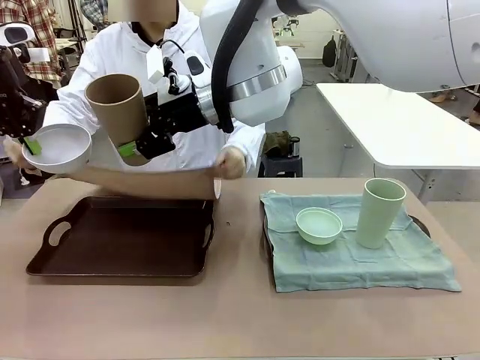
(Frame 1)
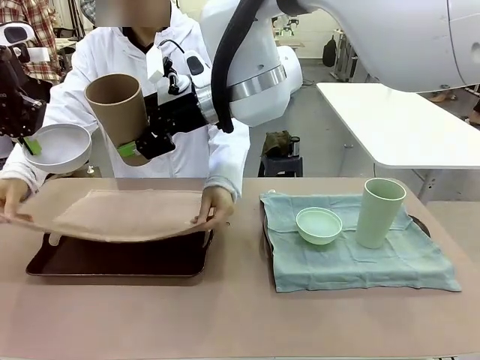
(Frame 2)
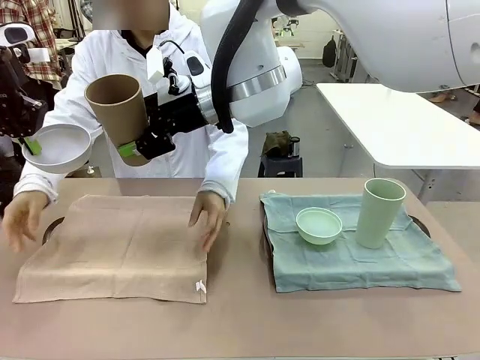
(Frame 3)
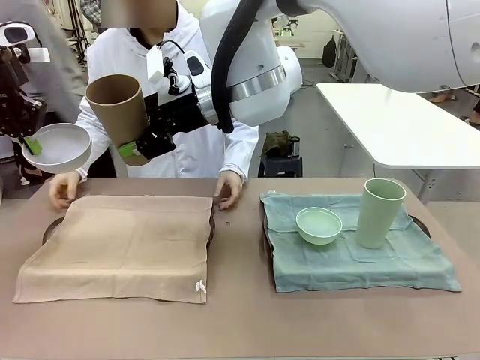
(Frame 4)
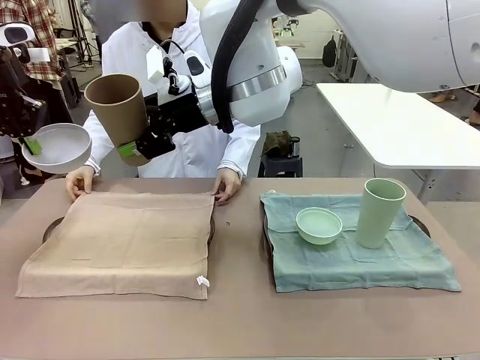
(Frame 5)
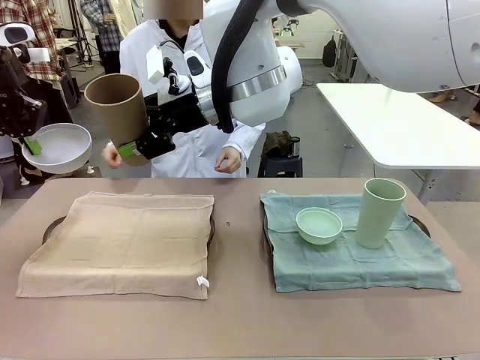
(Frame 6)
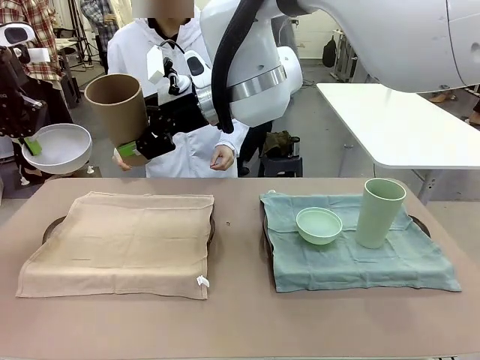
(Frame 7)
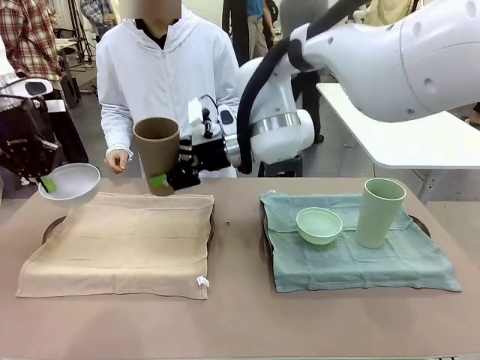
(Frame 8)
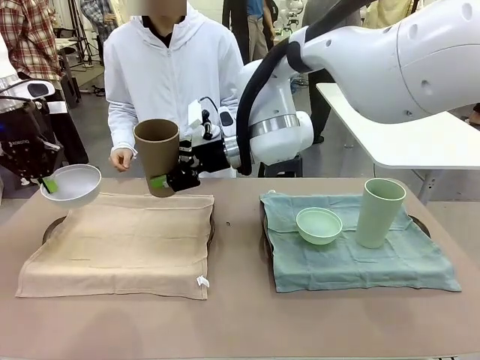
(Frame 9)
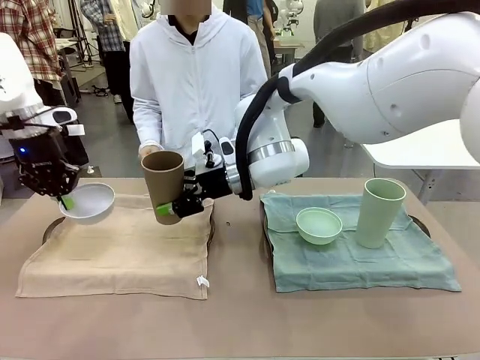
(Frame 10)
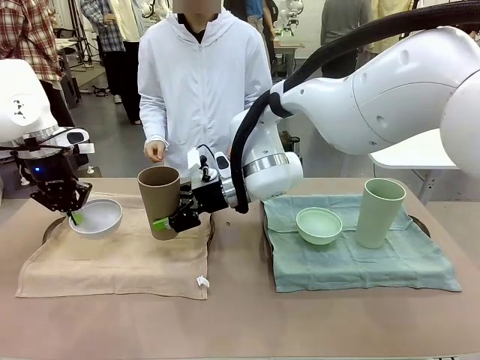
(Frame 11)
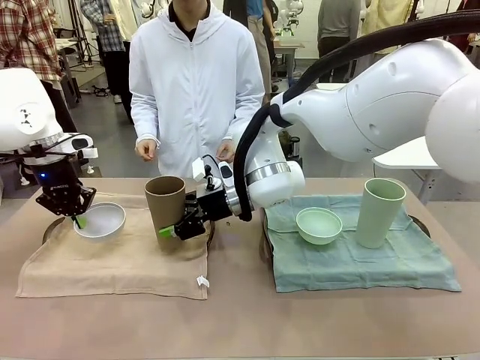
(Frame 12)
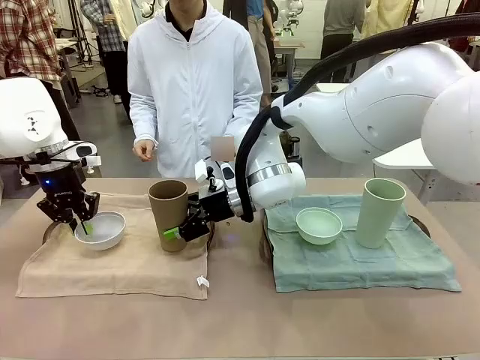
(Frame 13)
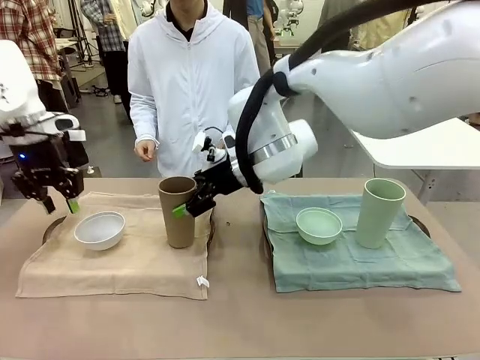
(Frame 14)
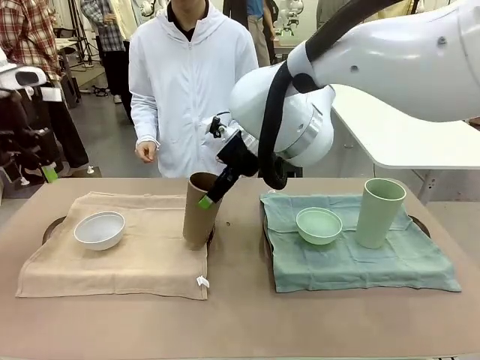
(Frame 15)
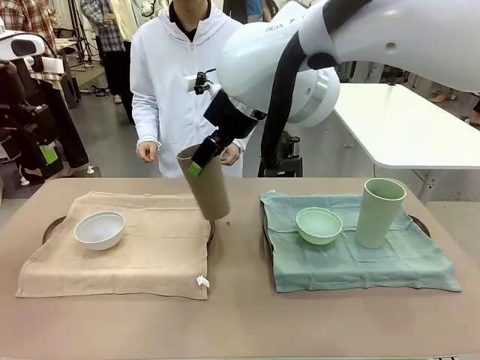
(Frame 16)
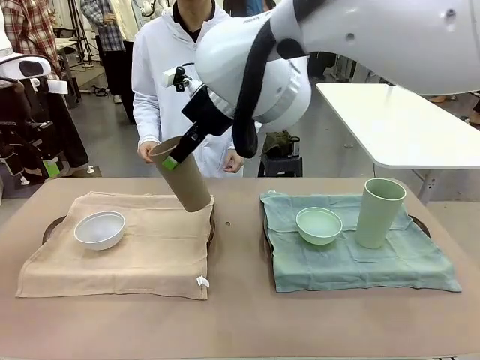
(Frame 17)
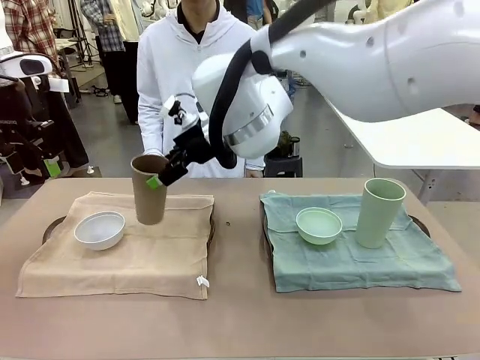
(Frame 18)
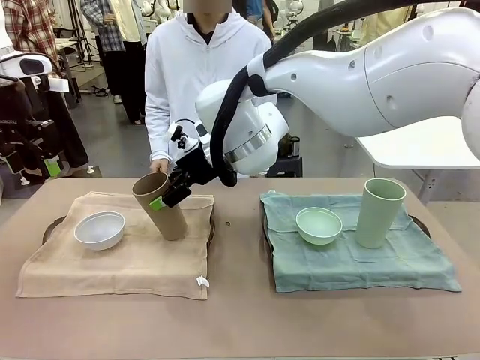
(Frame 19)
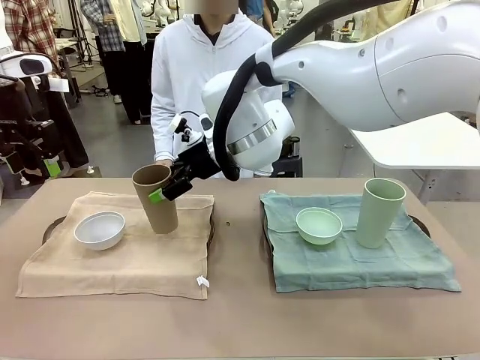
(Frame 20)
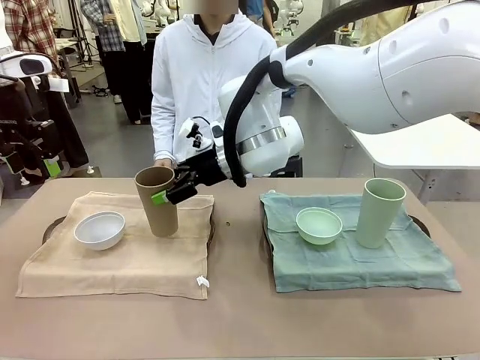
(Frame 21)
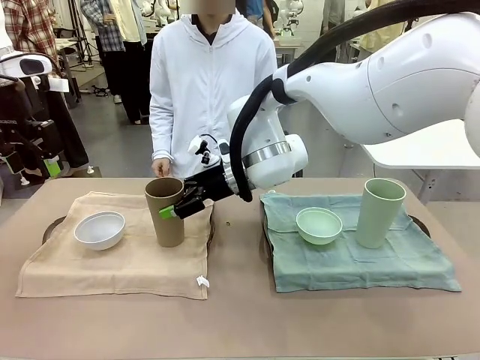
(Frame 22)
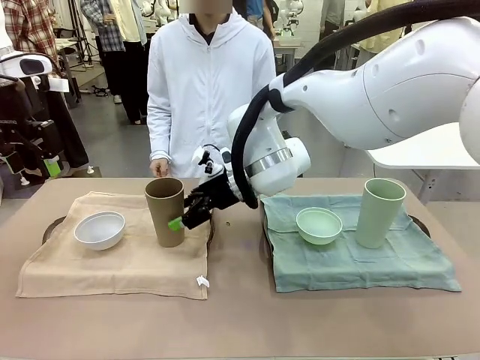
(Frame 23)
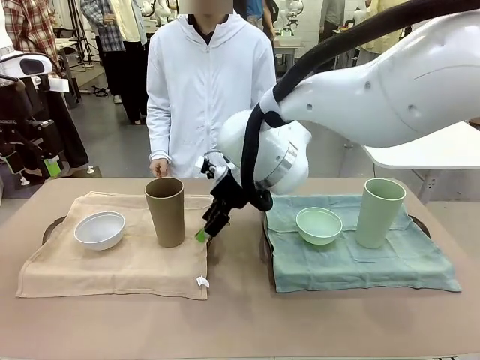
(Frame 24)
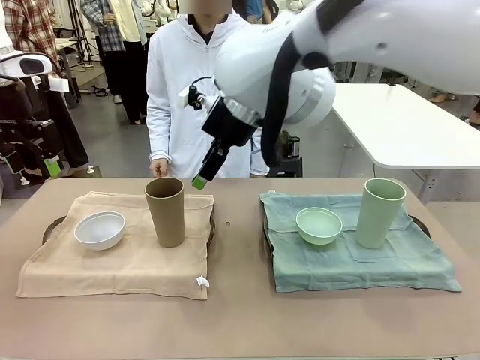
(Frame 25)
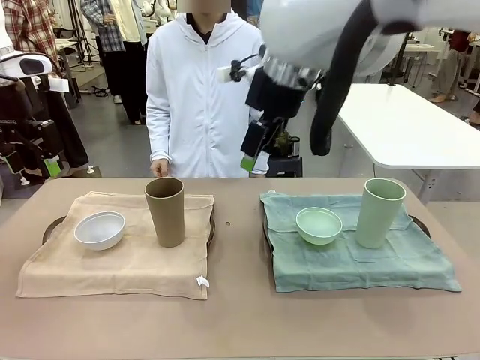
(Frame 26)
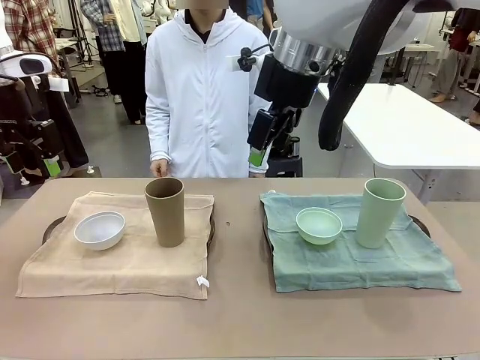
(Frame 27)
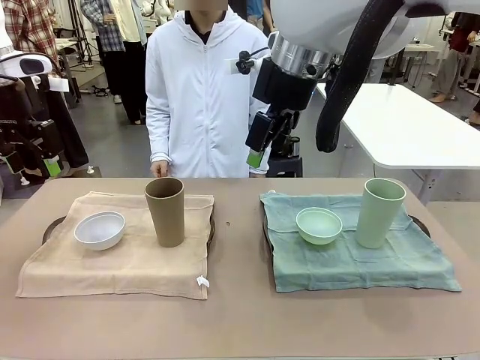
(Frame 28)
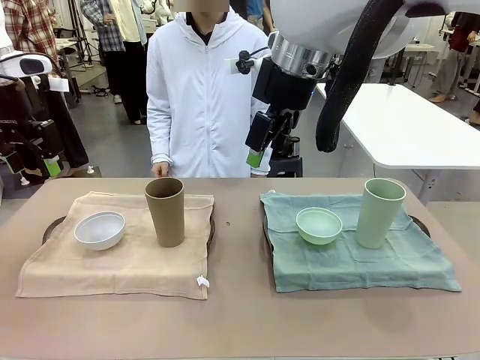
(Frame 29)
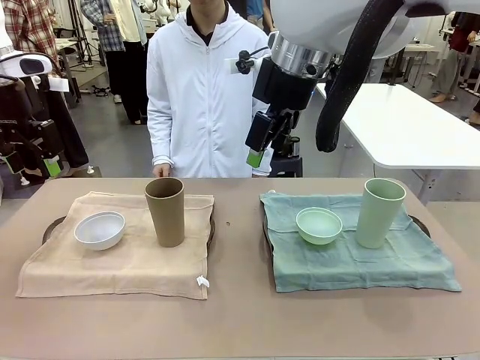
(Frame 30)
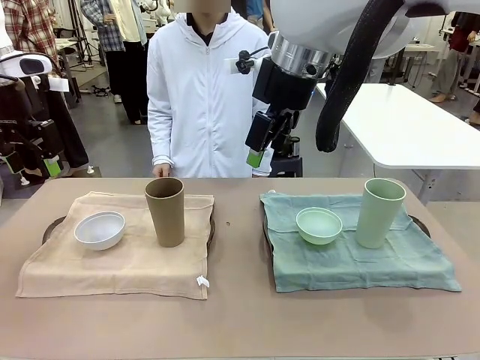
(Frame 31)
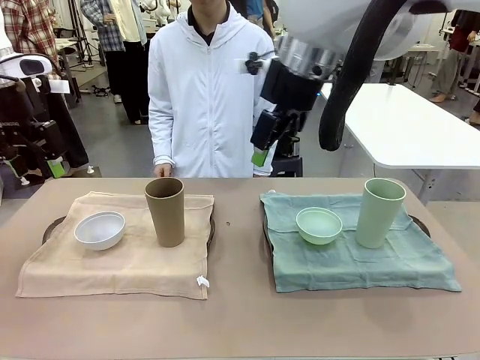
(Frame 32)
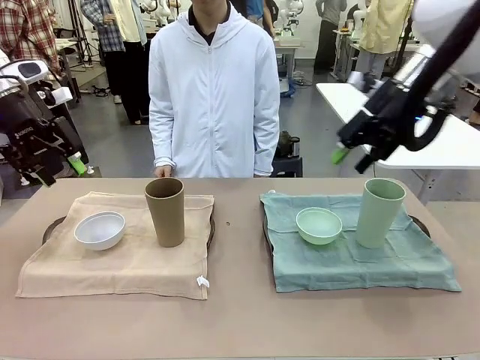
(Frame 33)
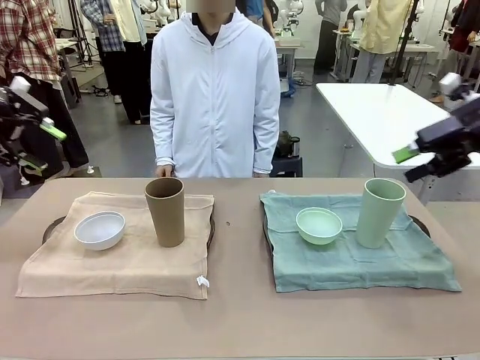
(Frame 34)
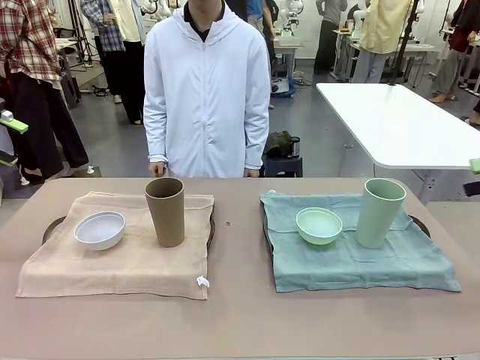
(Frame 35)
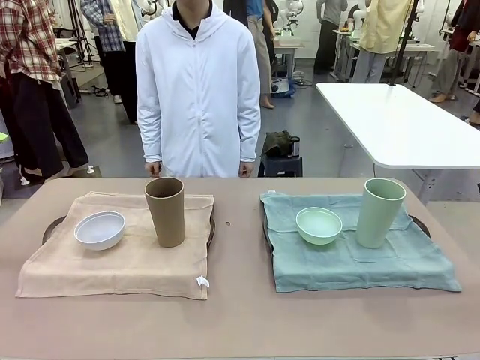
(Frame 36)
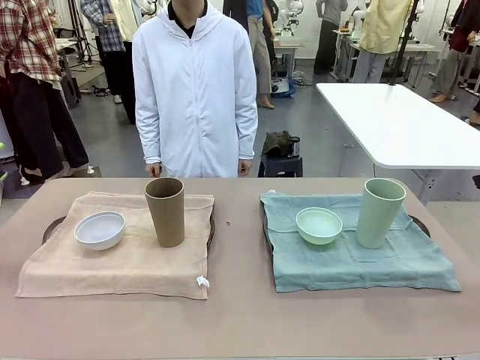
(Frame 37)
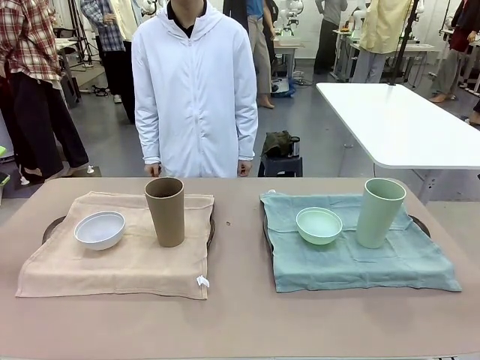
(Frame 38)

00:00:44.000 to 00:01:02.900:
Robot: Place the Picnic Bowl and Reusable plastic cup back onto the Handle tray in front of the human's position.
Person: When the robot lifts the bowl and the cup, the human unfolds the napkin and lays the napkin flat on the tray.

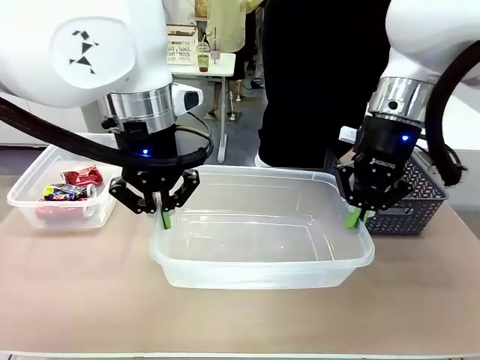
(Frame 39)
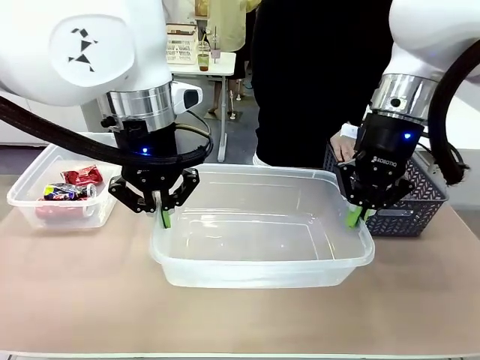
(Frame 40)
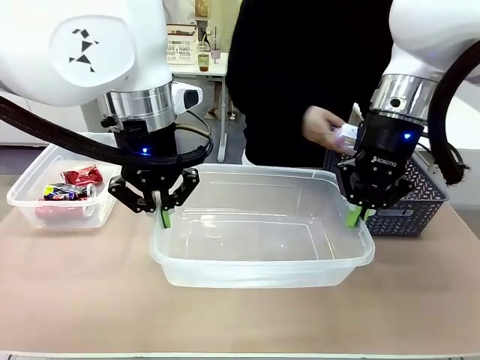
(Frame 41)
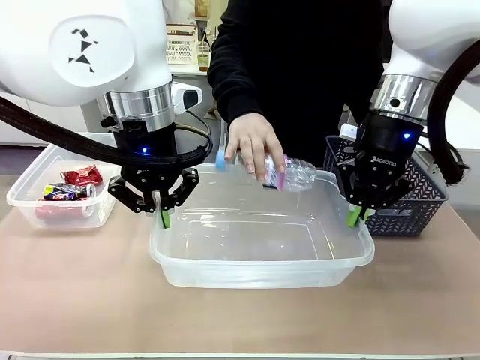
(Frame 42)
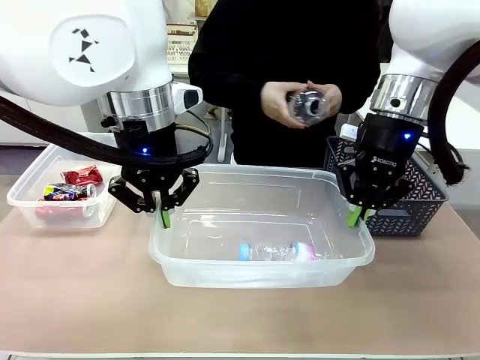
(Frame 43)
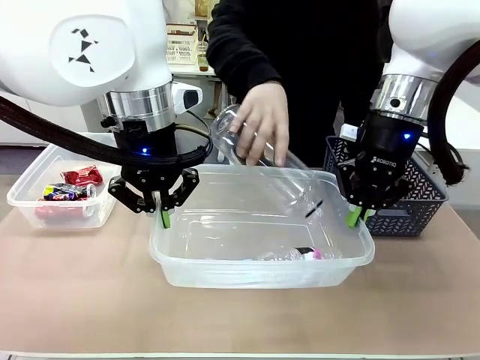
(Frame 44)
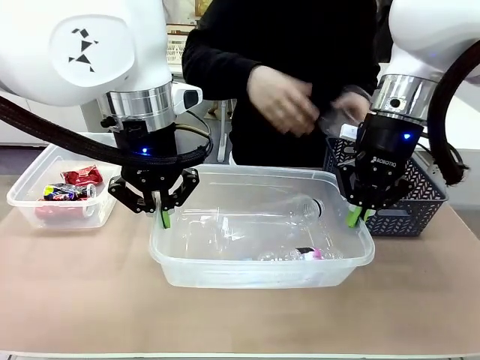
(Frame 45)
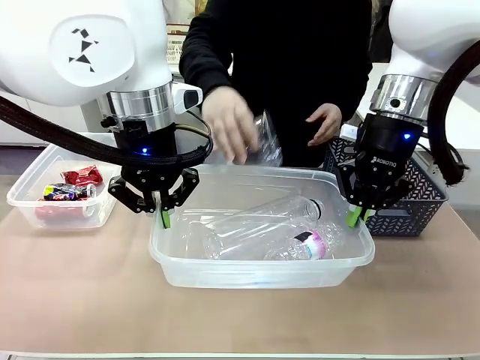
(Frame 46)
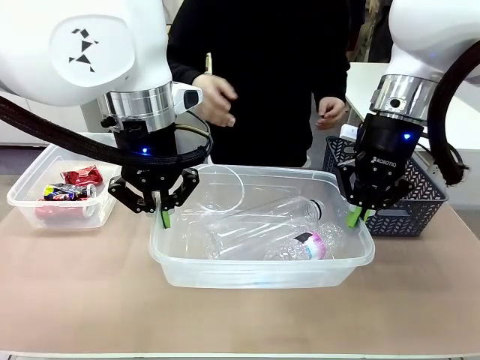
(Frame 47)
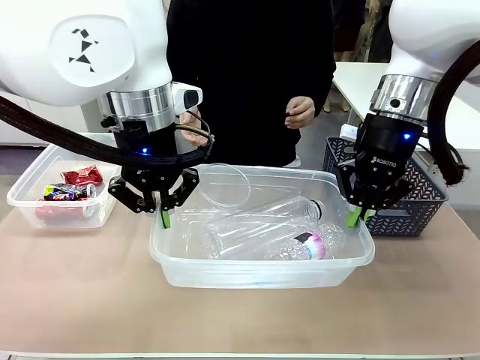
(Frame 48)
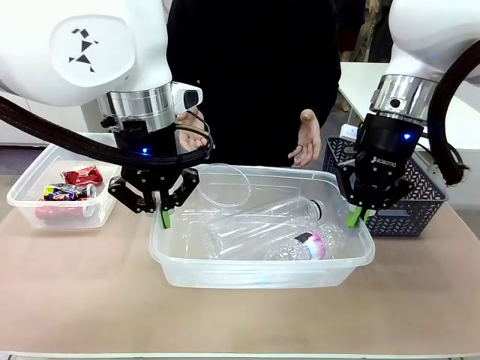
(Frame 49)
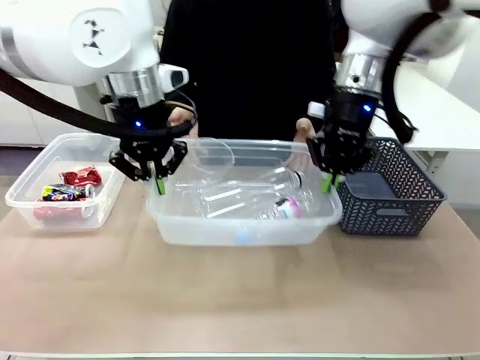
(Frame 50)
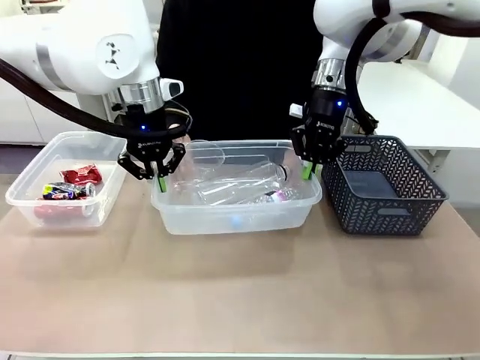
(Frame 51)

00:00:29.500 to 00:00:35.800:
Robot: Offer the picked Organizing box to the human.
